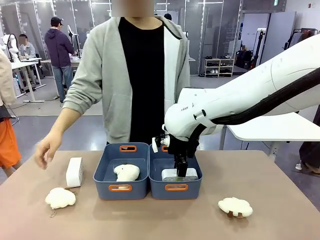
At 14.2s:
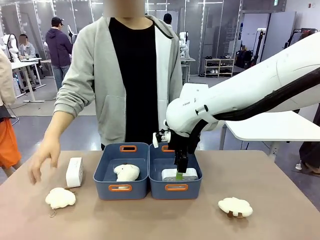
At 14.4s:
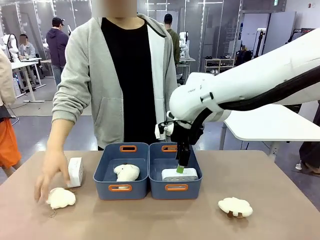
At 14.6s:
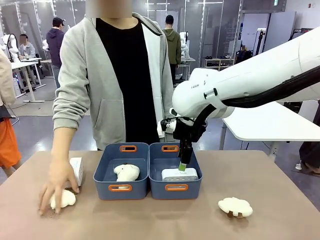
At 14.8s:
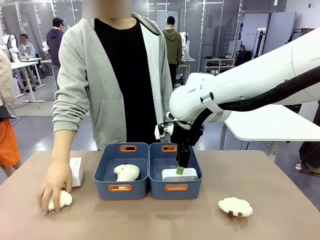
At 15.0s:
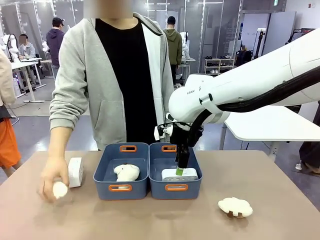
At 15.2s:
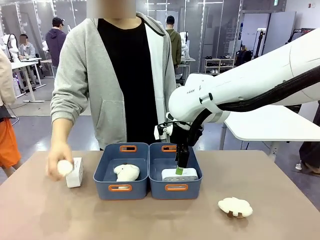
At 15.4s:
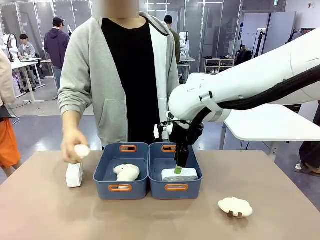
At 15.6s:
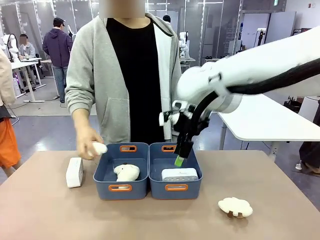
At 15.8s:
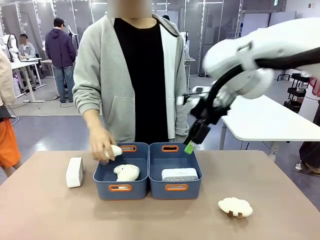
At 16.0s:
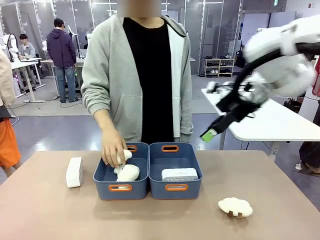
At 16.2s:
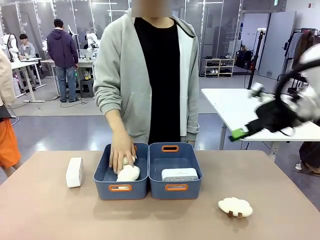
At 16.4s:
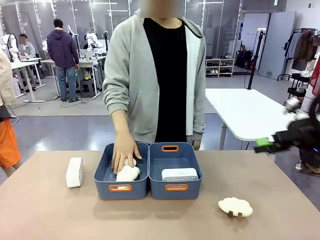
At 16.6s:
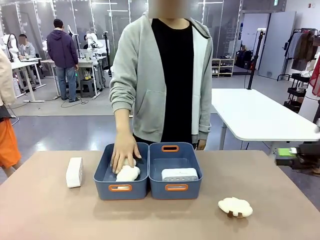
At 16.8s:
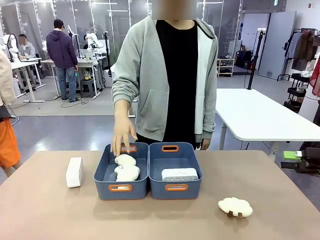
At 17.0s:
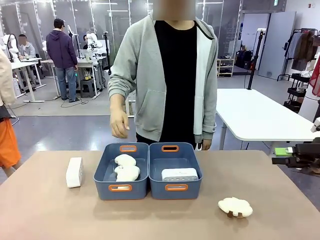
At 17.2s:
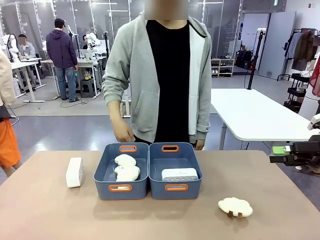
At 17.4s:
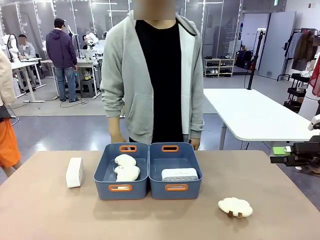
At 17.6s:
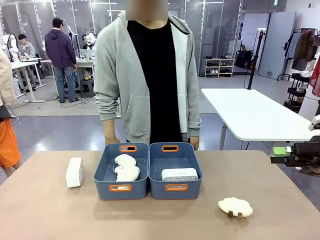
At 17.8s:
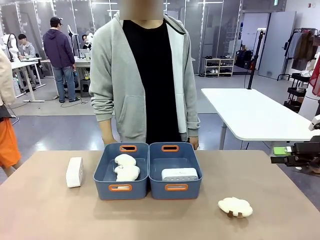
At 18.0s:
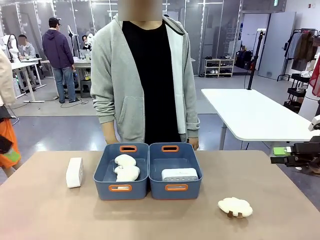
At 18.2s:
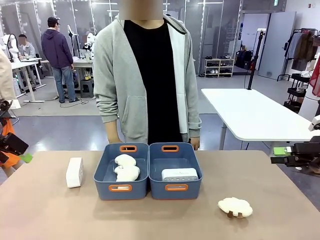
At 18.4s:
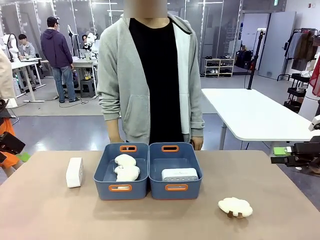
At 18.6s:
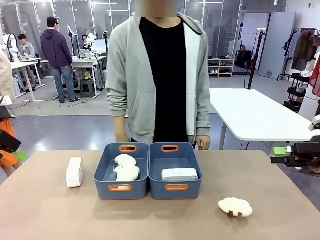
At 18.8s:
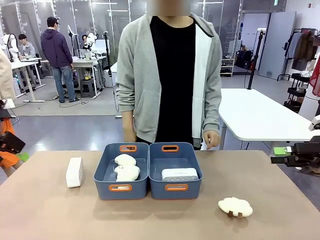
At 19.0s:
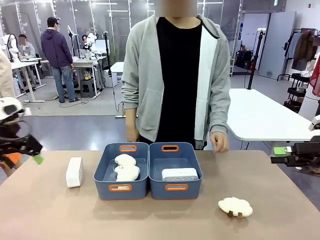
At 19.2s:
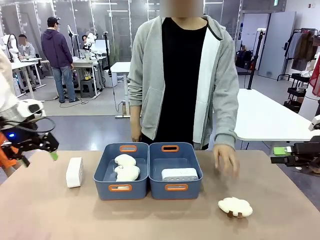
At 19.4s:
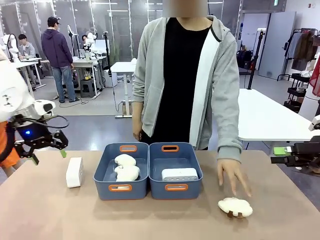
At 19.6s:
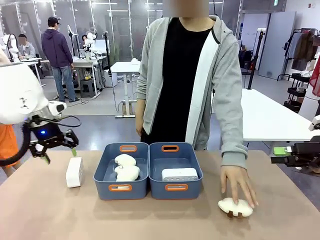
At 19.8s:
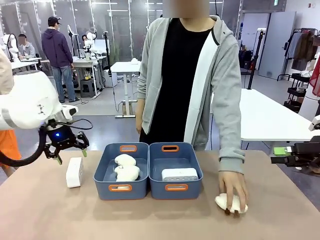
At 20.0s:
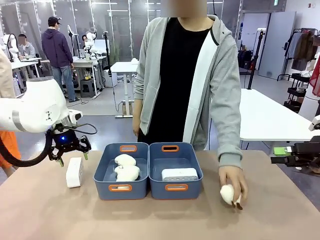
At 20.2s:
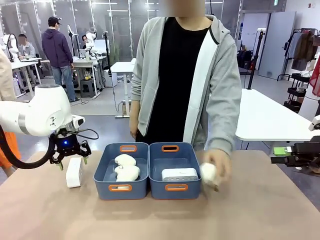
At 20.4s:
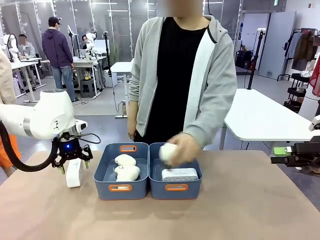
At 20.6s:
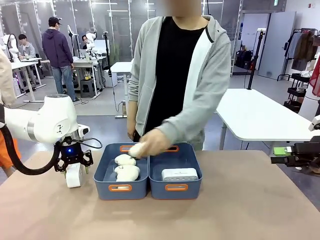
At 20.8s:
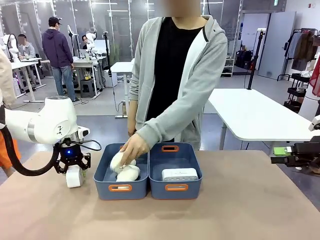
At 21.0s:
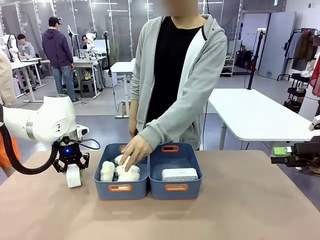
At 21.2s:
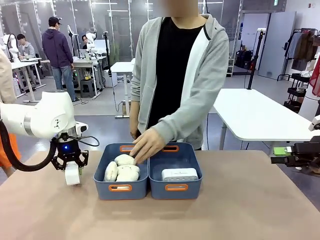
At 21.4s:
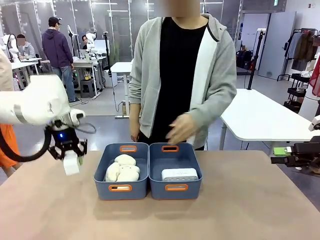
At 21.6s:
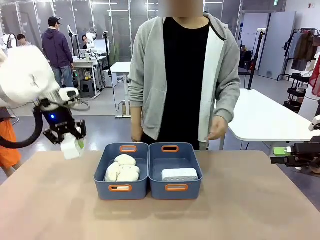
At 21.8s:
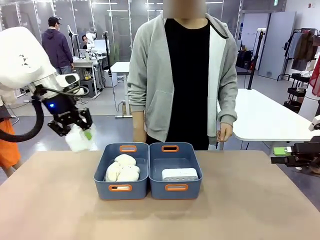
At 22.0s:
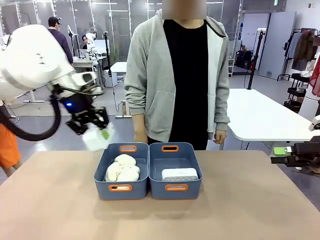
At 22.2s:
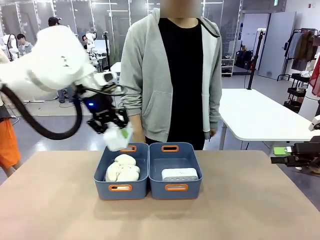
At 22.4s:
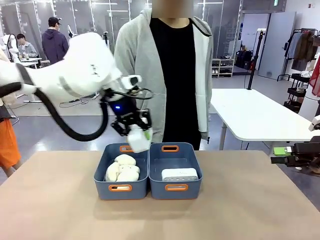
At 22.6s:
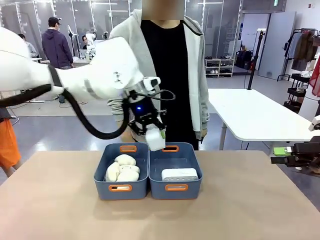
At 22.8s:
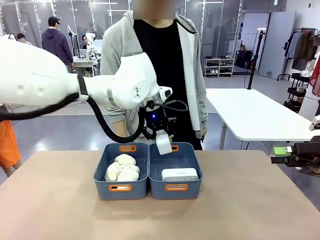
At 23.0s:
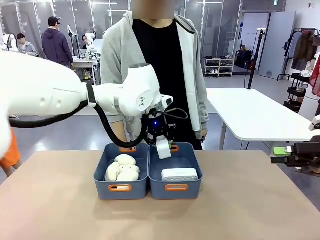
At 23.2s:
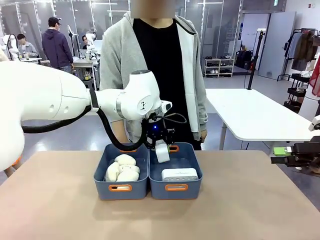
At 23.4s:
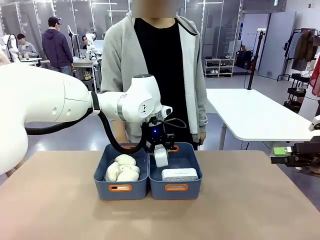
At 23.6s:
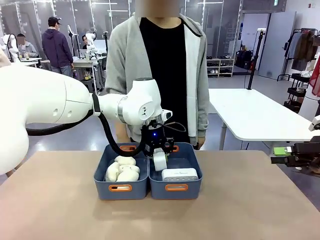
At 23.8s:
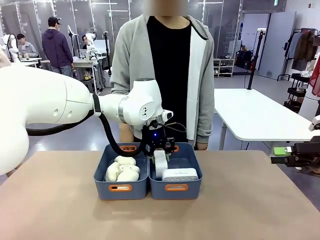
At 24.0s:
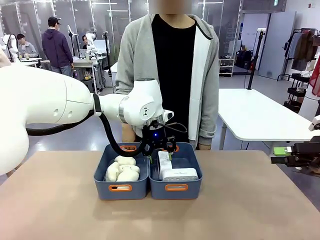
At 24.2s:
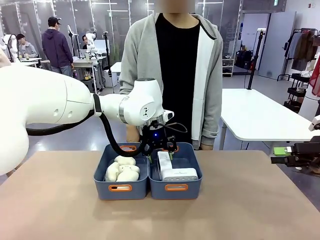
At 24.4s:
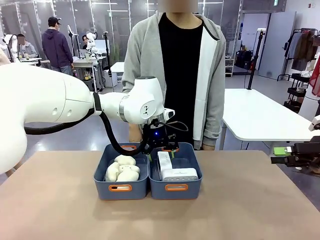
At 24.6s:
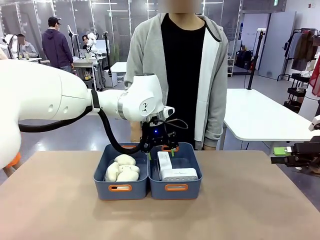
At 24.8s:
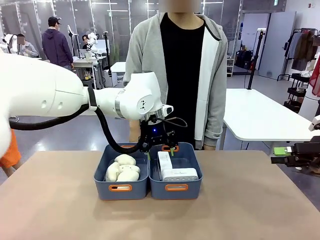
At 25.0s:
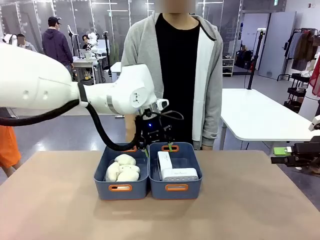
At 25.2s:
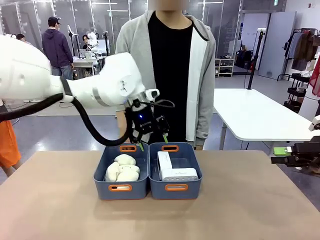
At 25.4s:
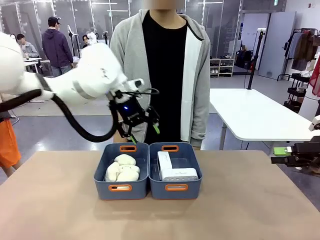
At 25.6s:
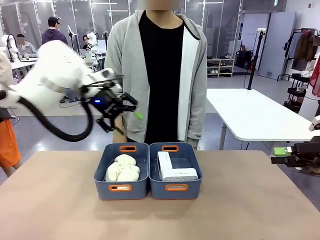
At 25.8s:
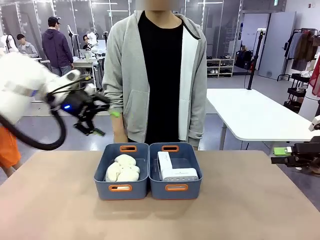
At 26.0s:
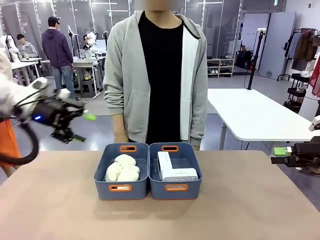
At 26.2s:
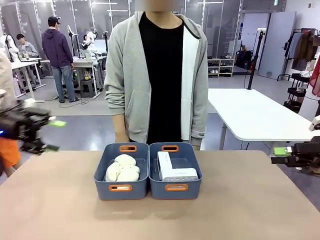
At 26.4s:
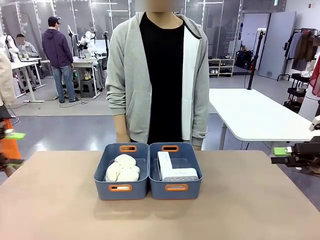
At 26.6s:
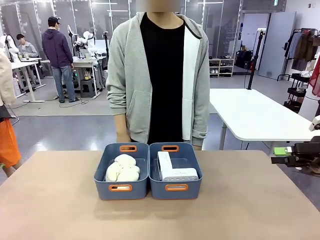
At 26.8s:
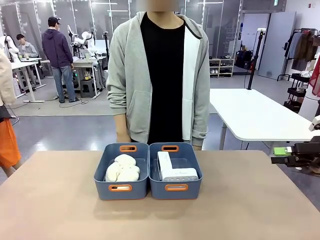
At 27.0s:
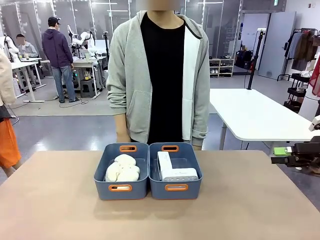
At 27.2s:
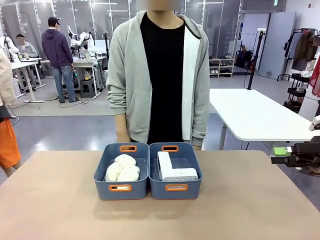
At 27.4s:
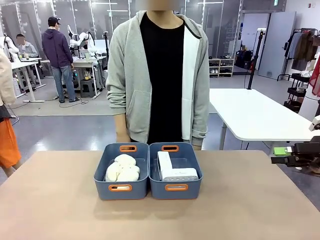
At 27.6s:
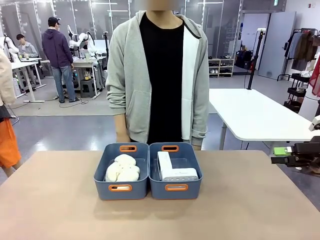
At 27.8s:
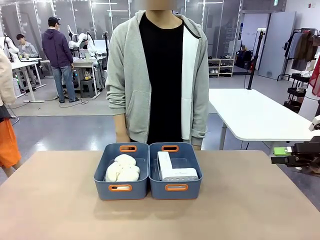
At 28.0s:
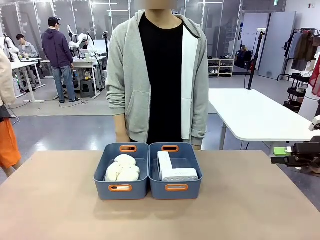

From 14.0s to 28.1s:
Task: Sort the digital clocks into the basket.
Robot: Pick up the Digital clock from the table and place it into the empty Plastic storage basket.
Person: Pick up a plush toy from the table and place it in the plastic storage basket containing the plush toy.
